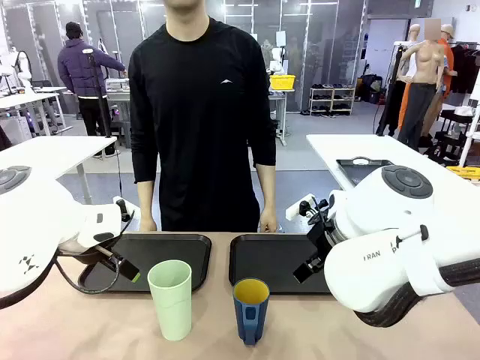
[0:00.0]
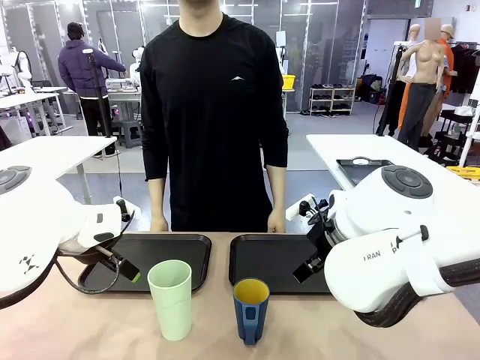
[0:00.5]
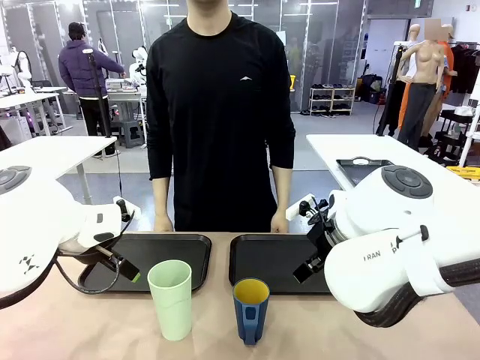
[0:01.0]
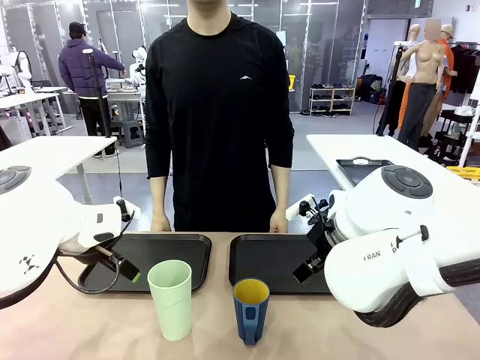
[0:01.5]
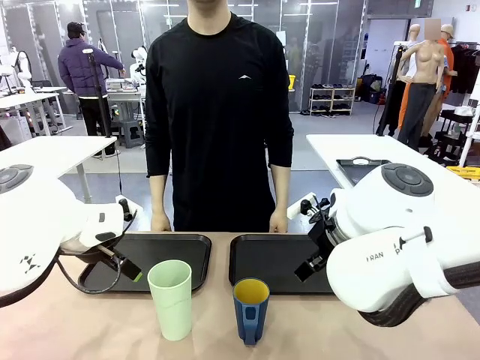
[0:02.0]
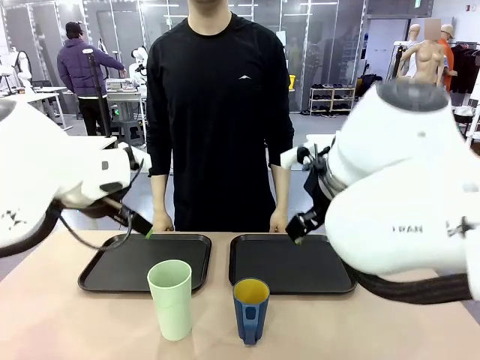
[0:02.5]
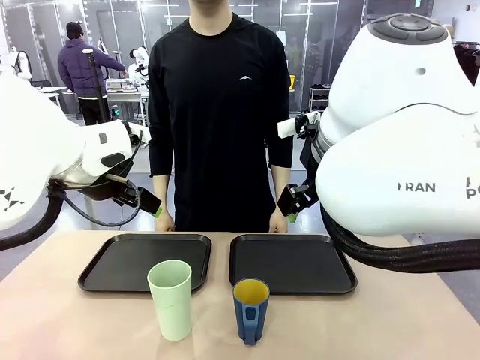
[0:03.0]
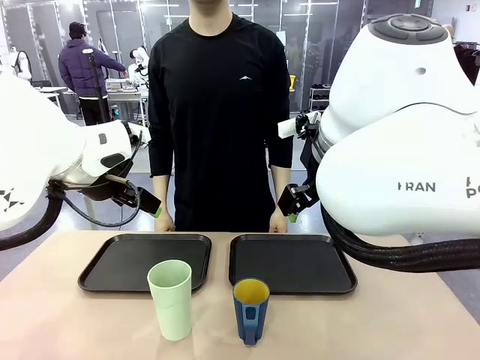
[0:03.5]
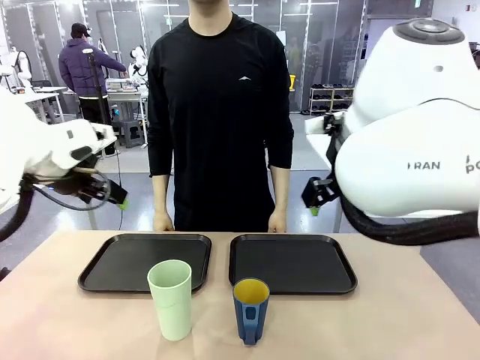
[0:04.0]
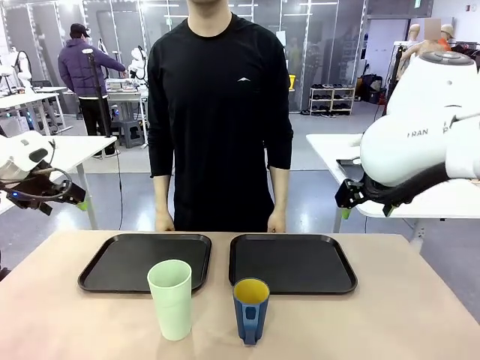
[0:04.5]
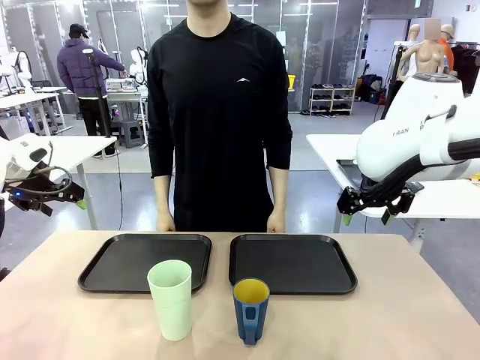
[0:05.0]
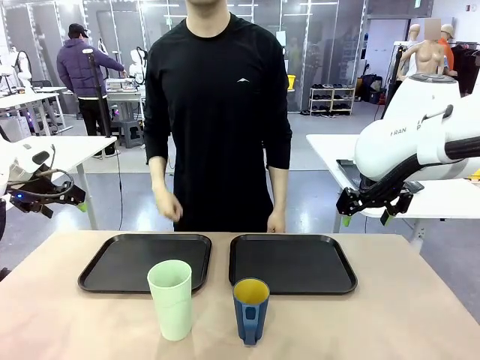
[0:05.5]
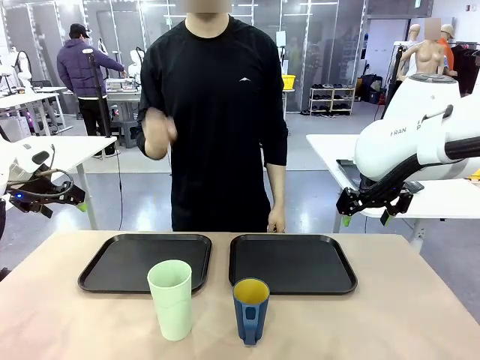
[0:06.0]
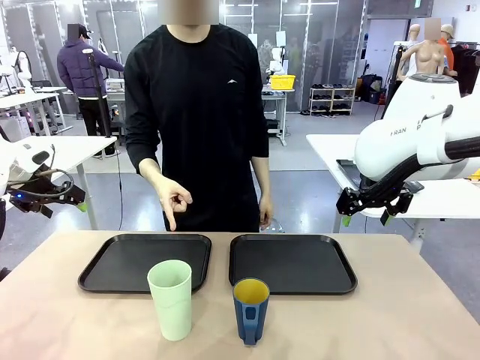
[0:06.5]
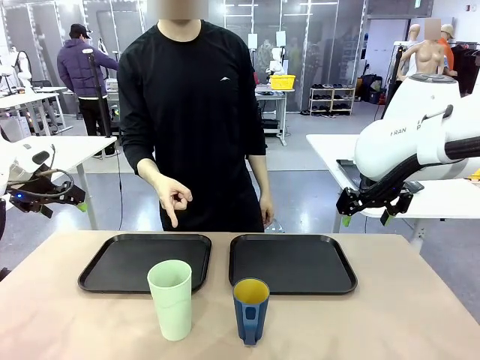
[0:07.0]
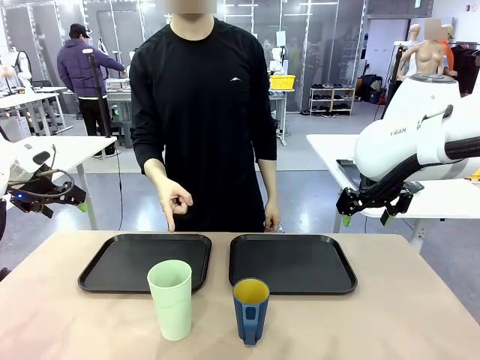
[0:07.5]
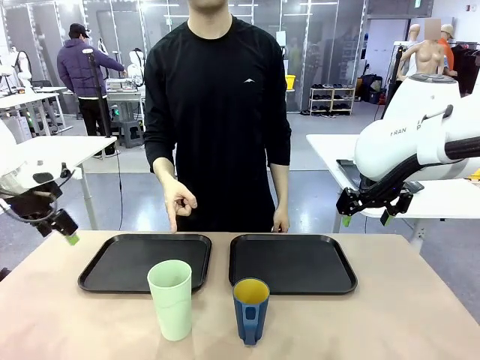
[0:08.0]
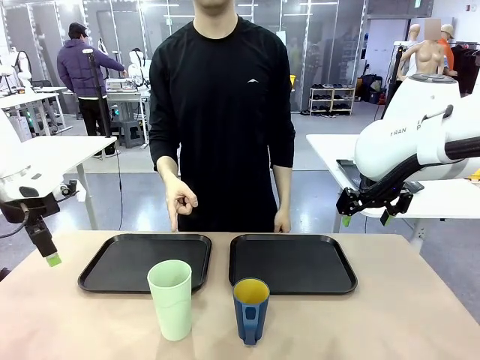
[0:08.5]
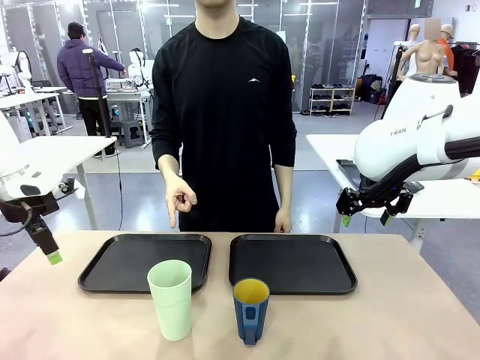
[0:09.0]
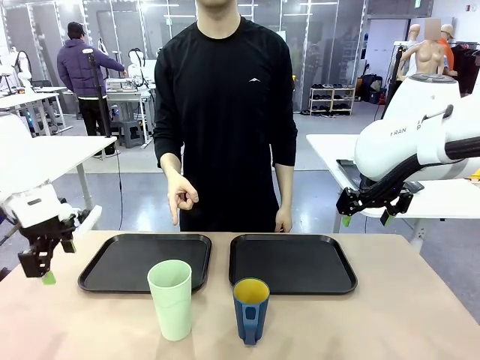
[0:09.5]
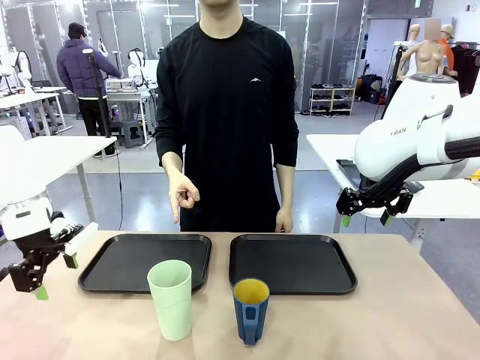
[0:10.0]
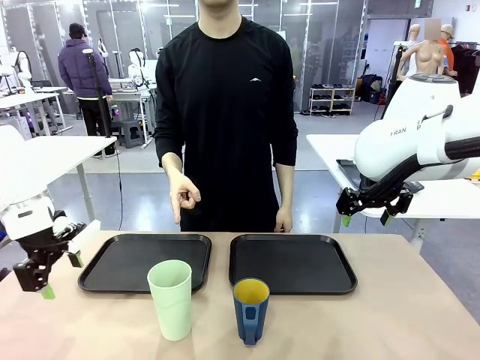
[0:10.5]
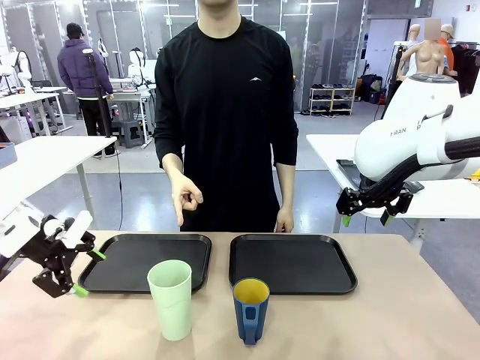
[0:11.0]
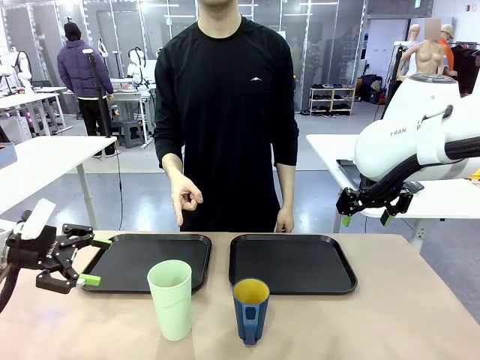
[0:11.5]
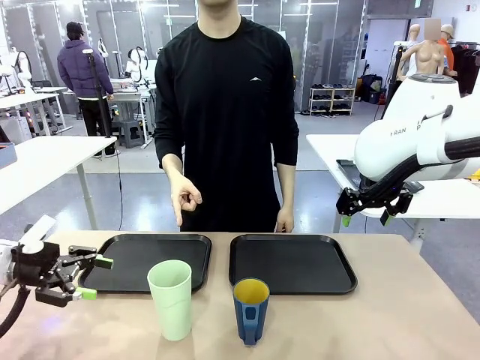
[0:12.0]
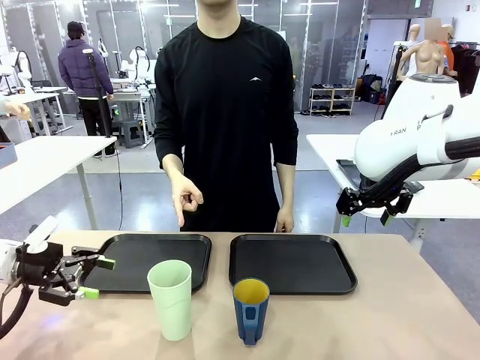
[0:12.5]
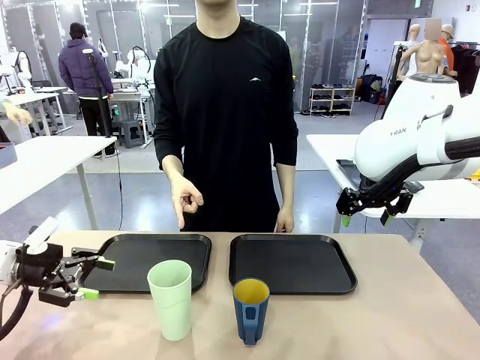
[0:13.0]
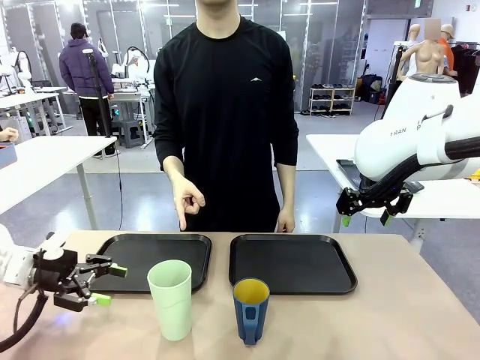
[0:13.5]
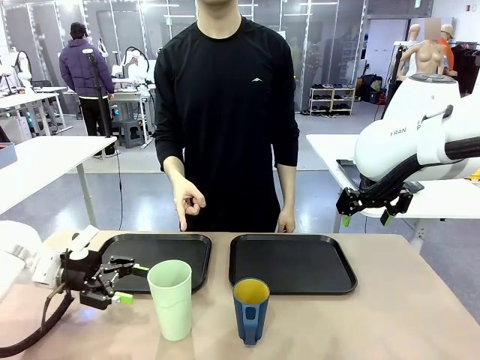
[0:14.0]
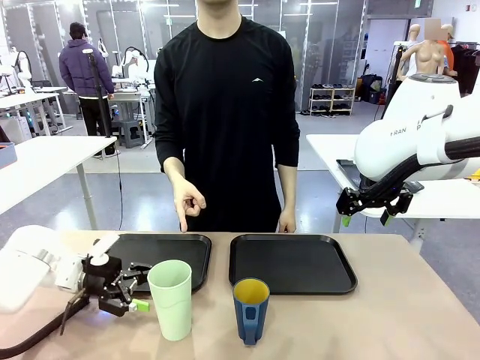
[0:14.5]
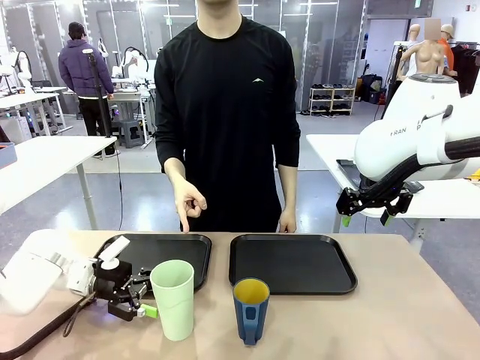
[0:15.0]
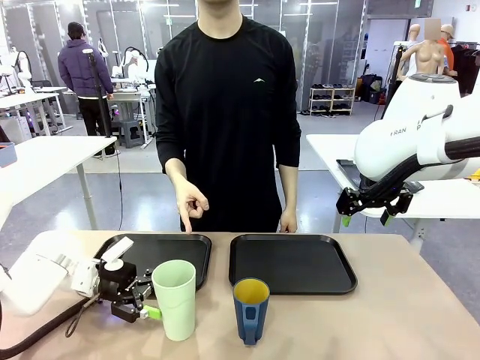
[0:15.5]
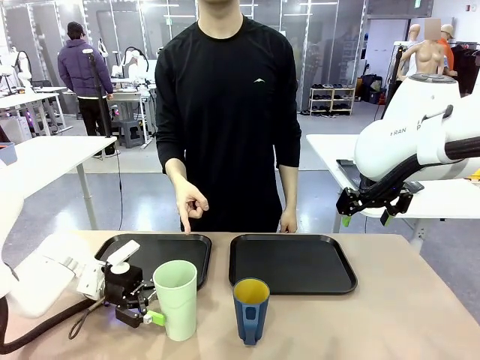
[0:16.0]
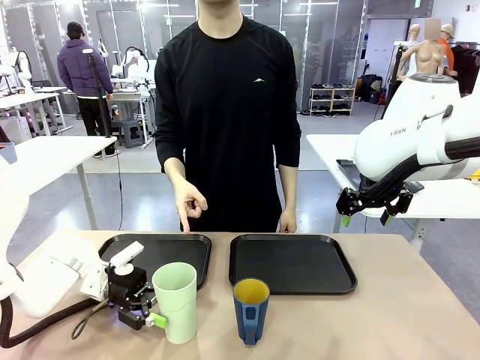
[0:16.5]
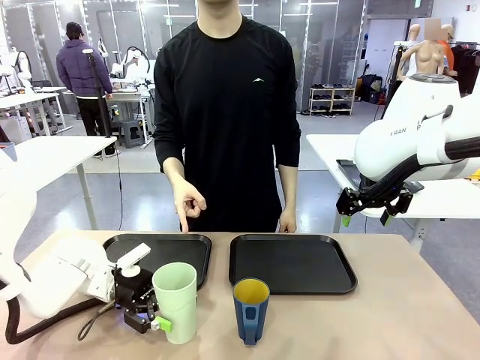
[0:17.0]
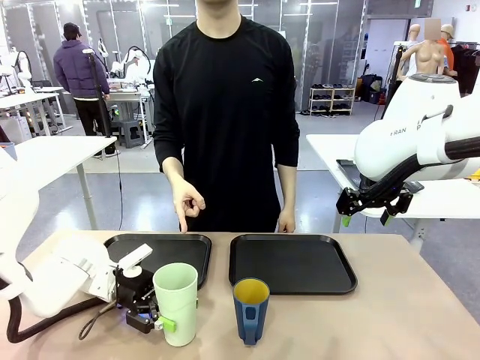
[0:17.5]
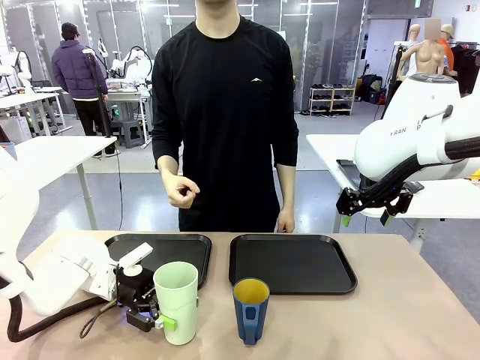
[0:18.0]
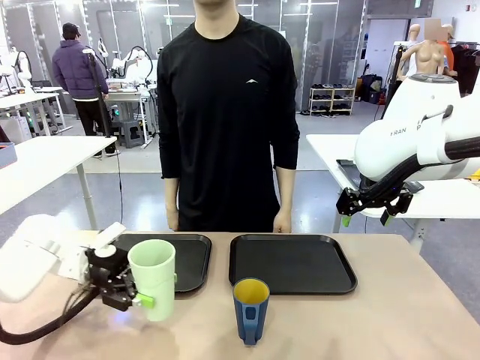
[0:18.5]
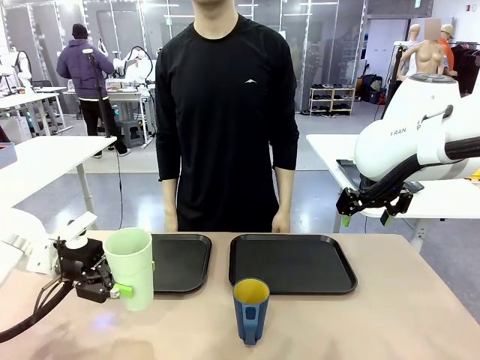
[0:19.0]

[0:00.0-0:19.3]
Task: Sort and store the cups by type.
Robot: Pick up the Reusable plastic cup.
Person: Points to the reusable cup. Point to one of the two trays.

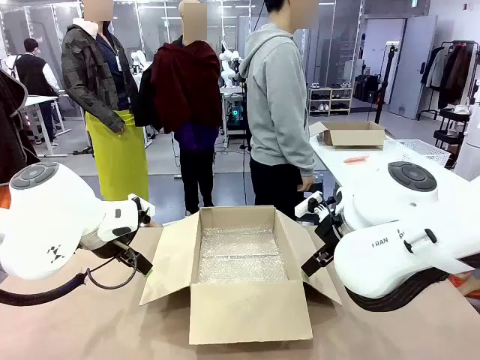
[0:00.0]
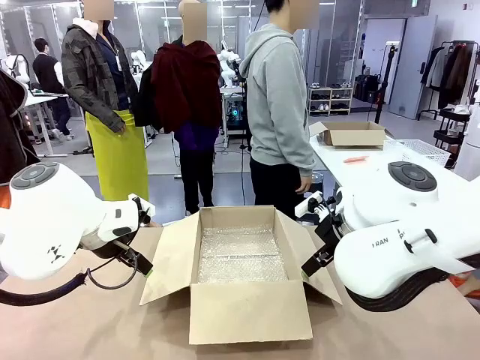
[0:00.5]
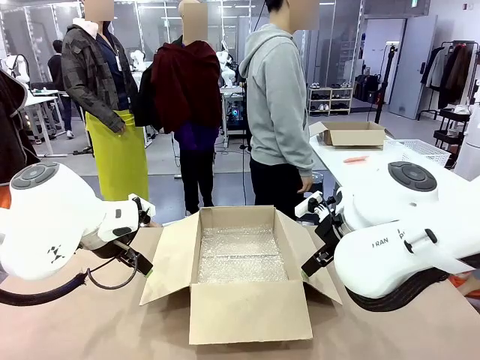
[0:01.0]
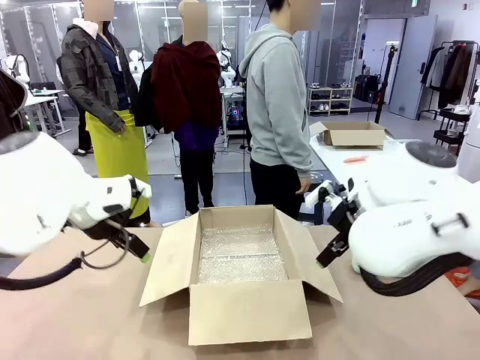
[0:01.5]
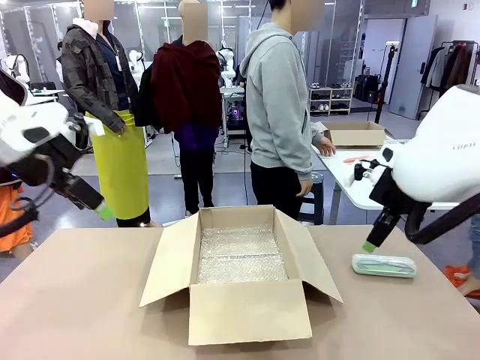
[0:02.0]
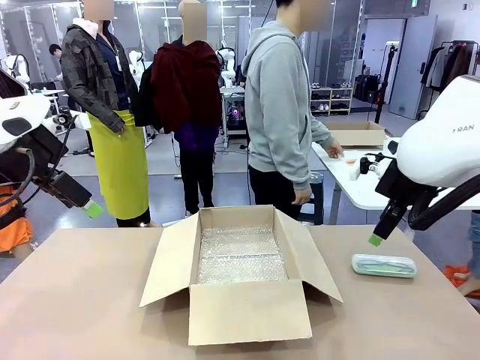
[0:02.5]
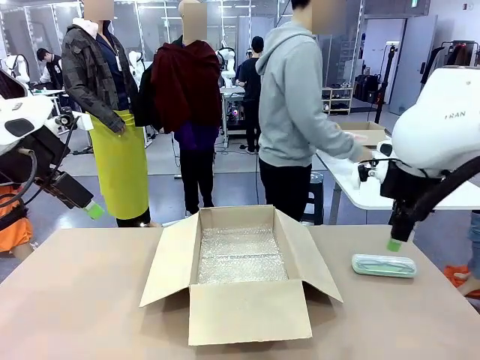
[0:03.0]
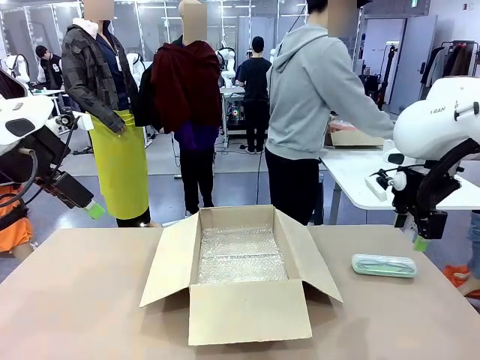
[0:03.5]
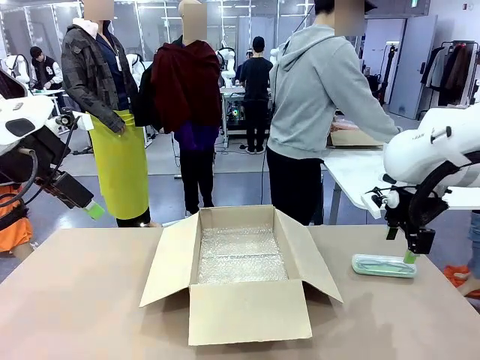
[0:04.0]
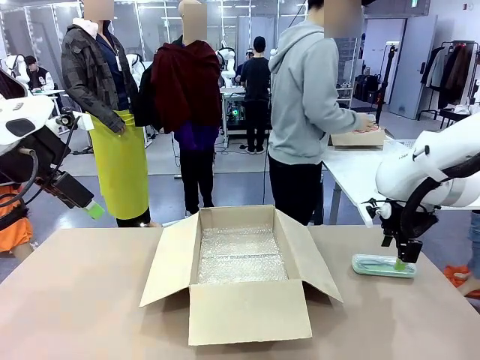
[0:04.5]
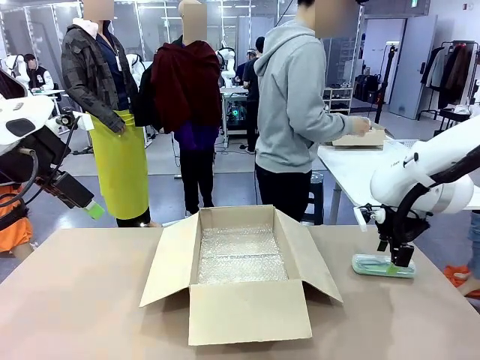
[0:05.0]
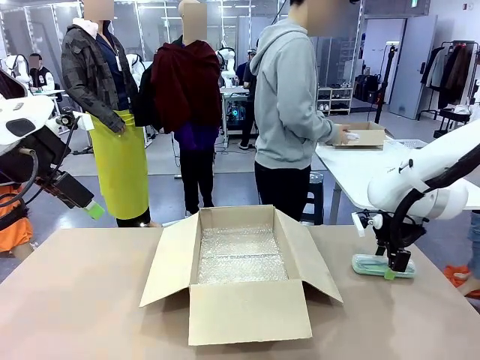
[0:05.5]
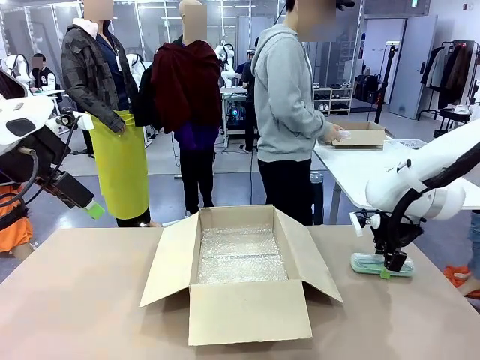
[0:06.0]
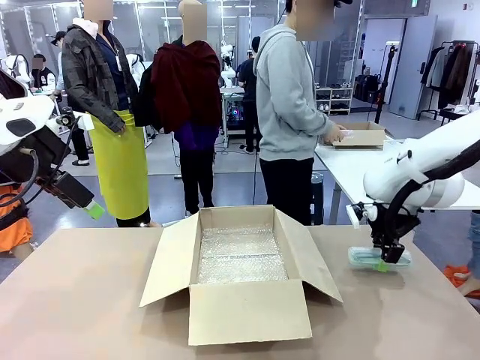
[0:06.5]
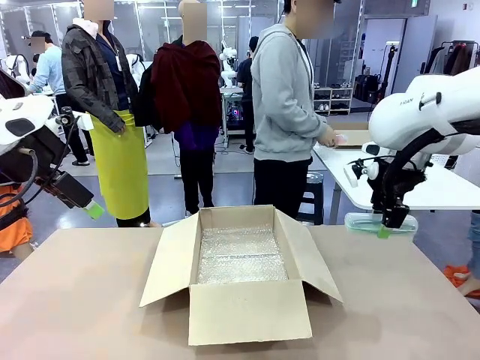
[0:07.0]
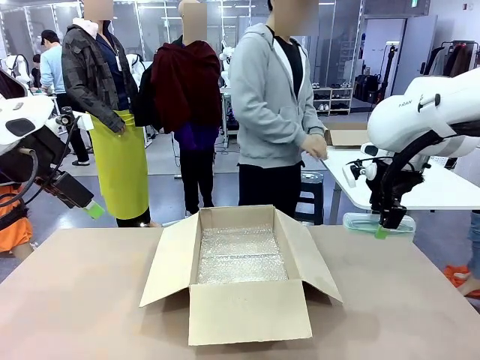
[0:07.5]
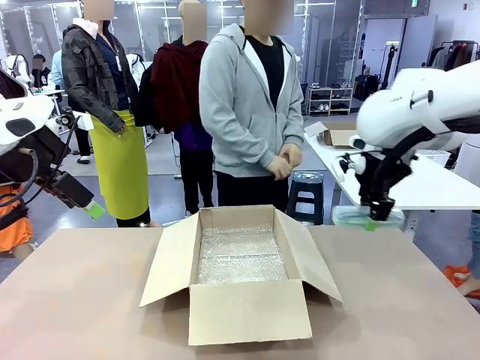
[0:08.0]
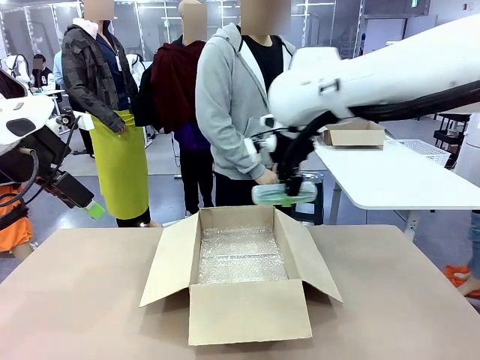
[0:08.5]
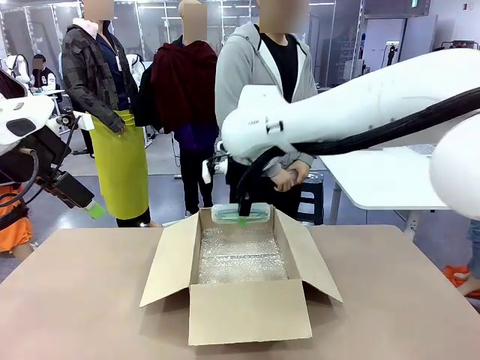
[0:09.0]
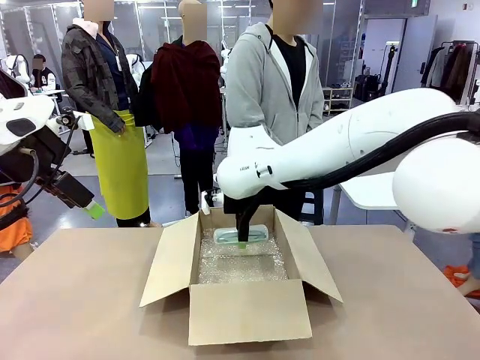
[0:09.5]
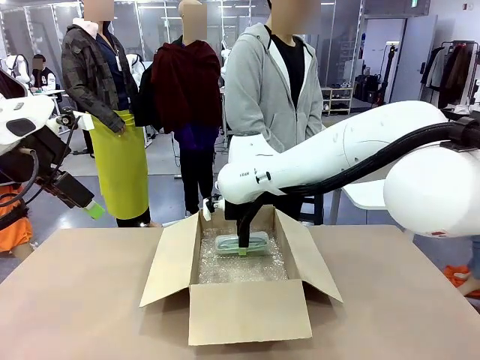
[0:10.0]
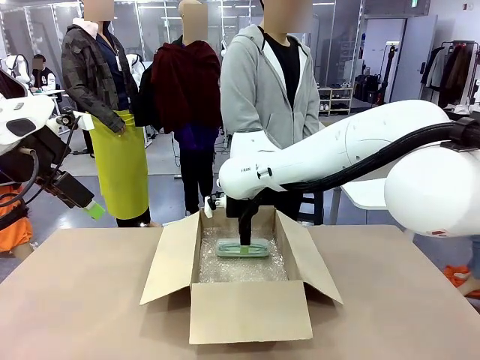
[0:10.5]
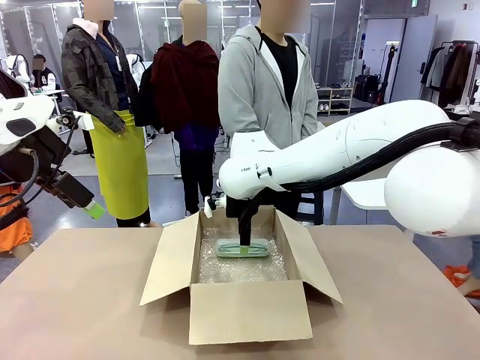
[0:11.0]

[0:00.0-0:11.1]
Task: Pack the glasses set securely to prepare it for shipping.
Robot: Place the Glasses case inside the Package Box.
Person: Place the Glasses inside the Glasses case.
